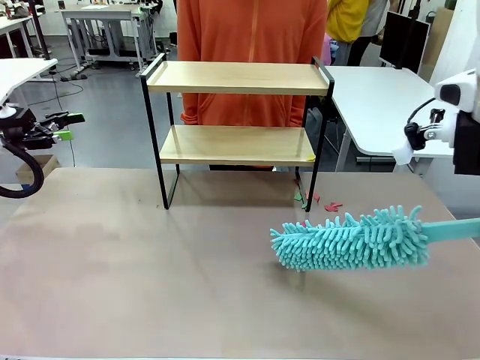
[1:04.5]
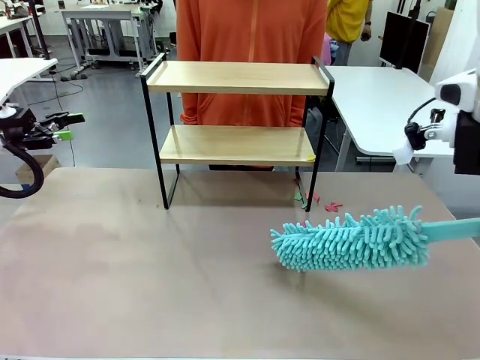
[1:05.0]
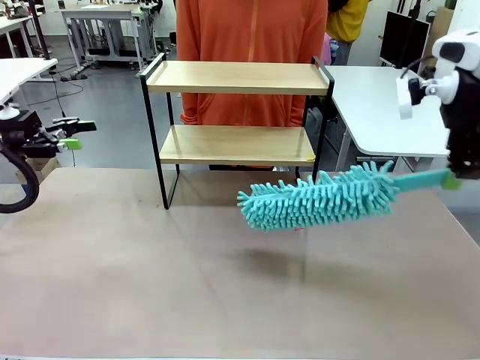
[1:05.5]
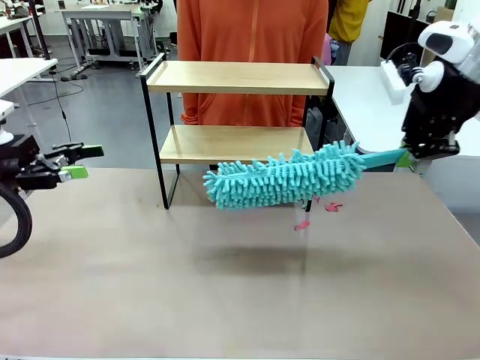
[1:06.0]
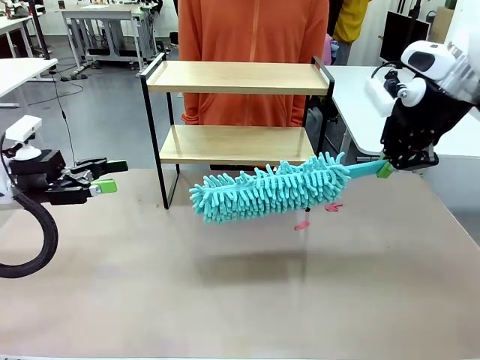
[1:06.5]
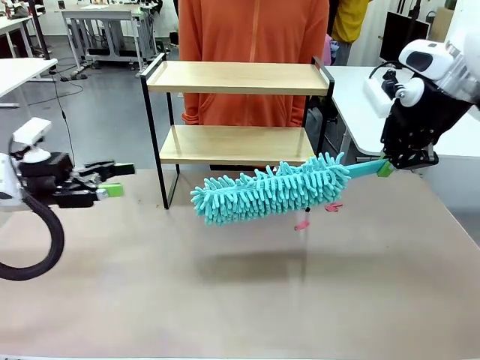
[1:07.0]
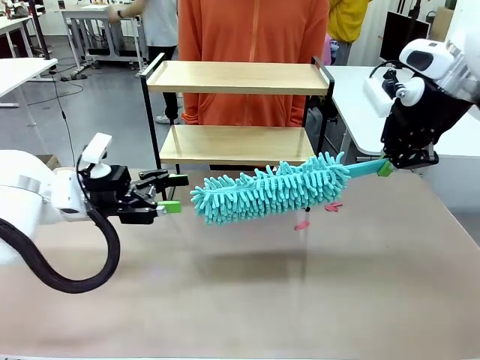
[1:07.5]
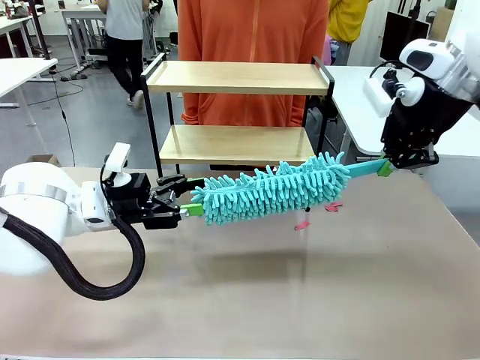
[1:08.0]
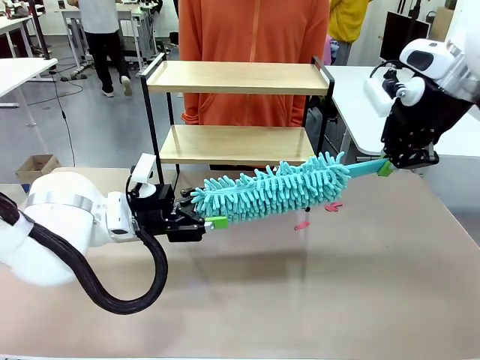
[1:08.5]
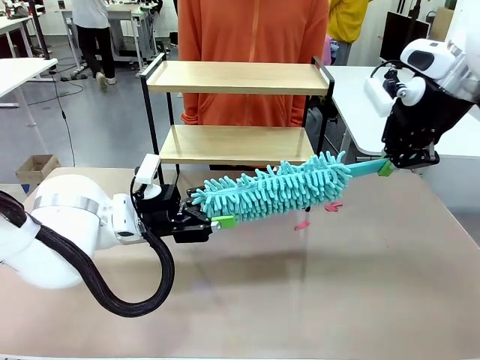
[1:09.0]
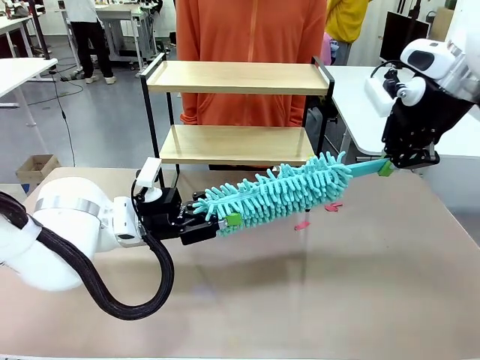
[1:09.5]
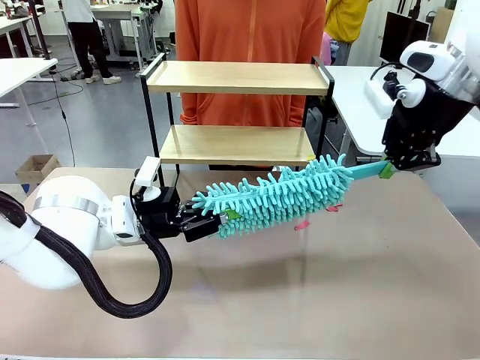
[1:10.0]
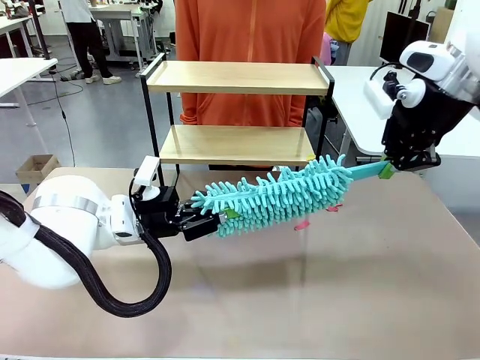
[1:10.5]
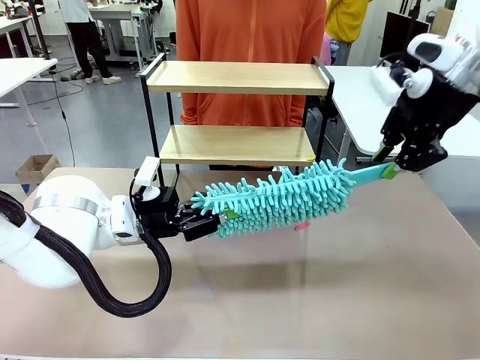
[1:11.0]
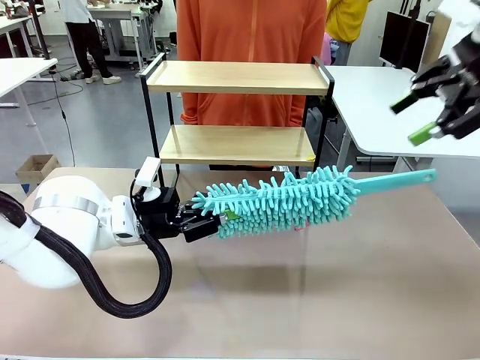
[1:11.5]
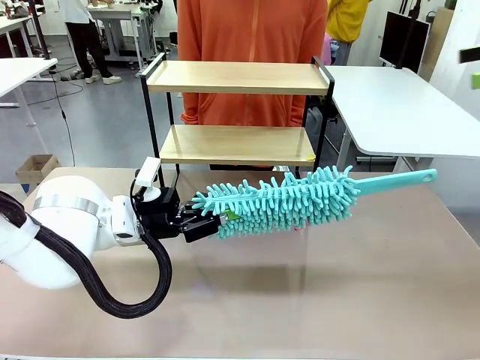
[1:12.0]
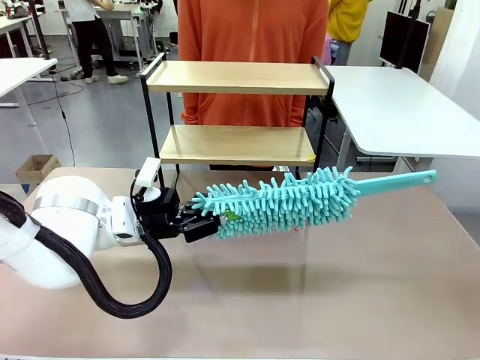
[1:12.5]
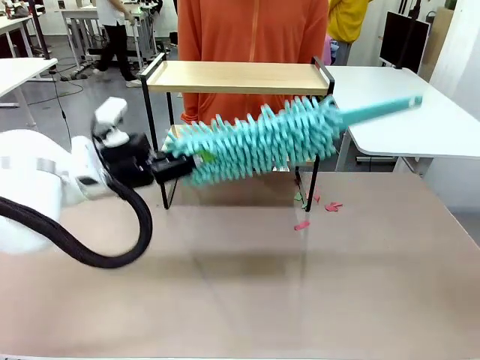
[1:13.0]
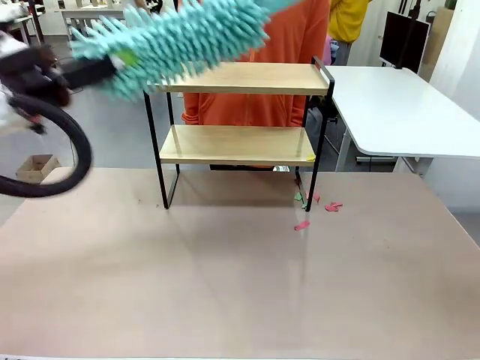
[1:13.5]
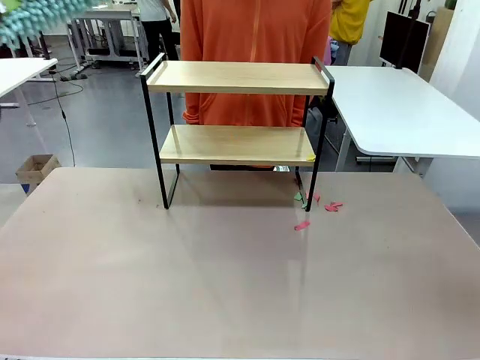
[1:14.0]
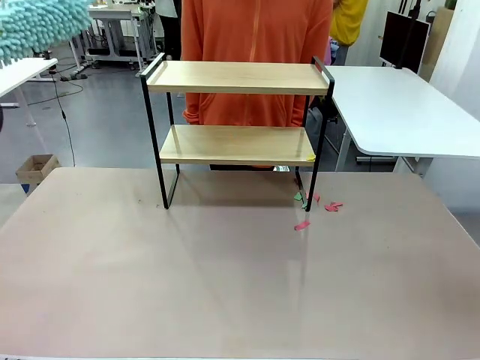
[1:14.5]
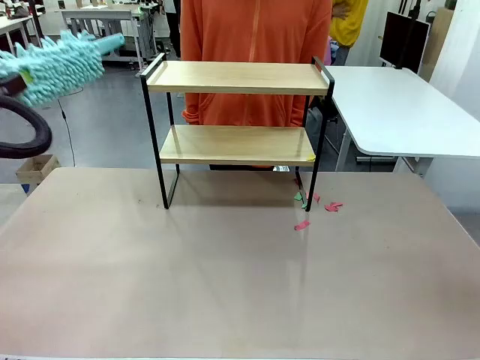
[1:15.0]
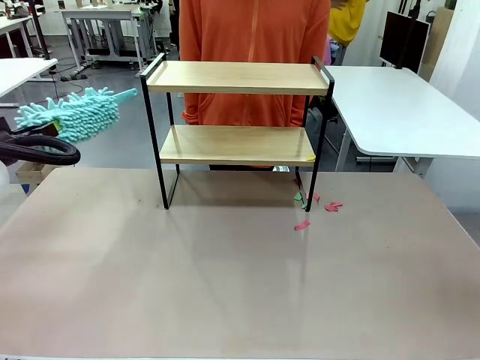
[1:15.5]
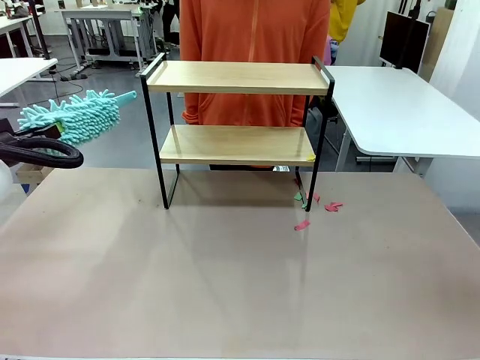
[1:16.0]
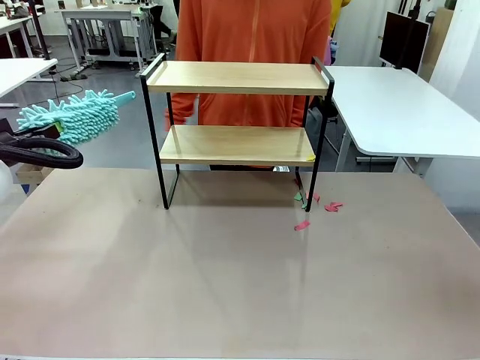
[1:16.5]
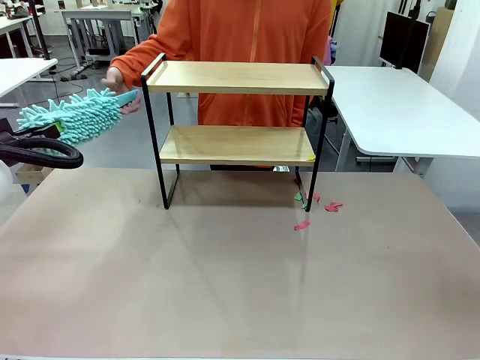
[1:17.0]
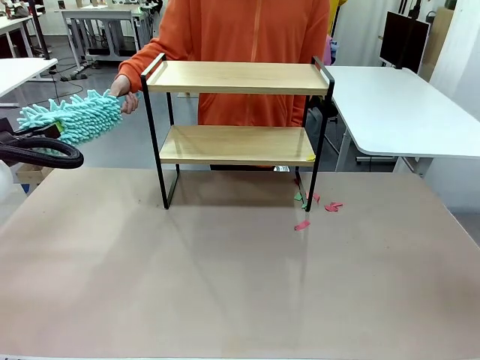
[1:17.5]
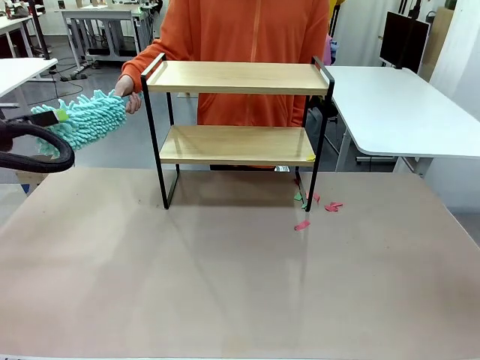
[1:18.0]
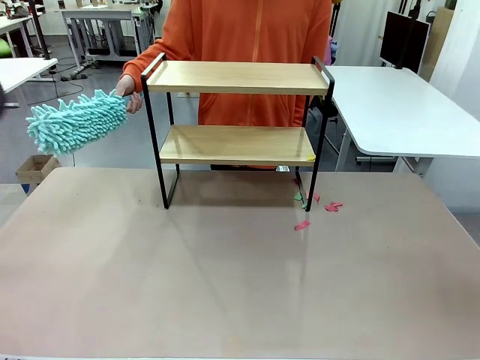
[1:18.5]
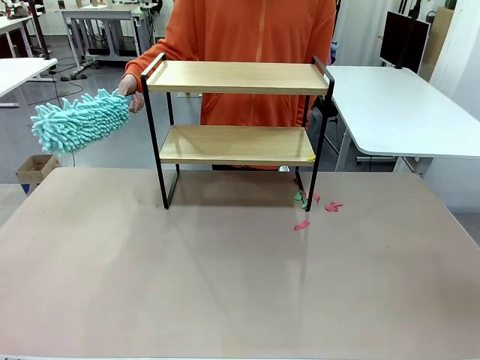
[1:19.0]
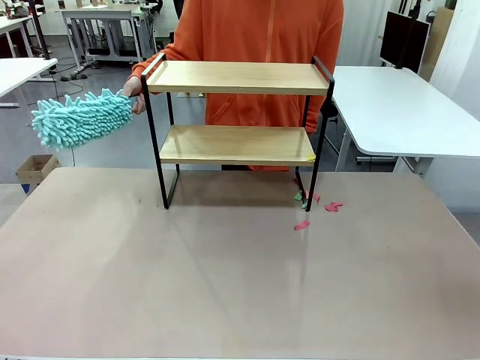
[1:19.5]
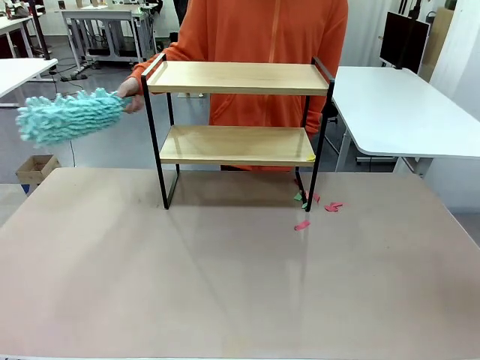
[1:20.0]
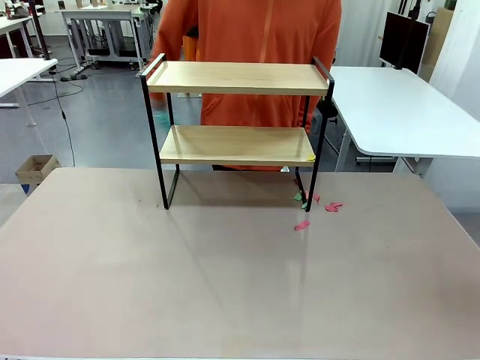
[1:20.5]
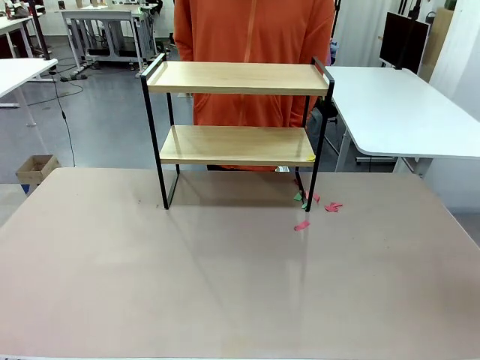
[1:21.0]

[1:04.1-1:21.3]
Task: Clean the shelf.
Robot: Hand the Duster back to the human.
Person: Receive the Duster from the robot.

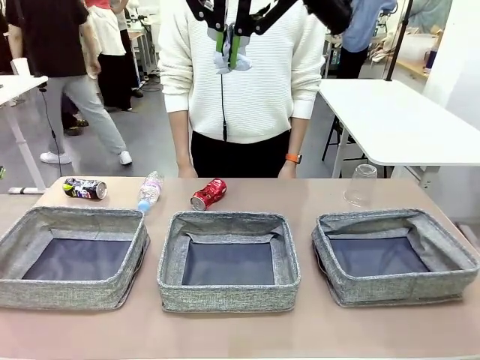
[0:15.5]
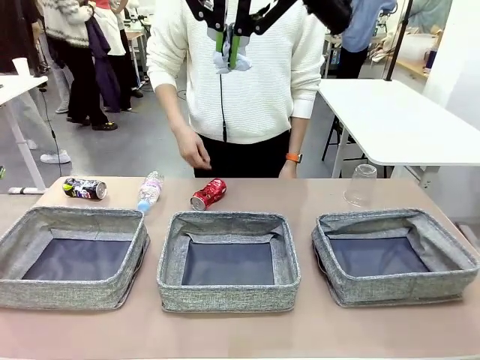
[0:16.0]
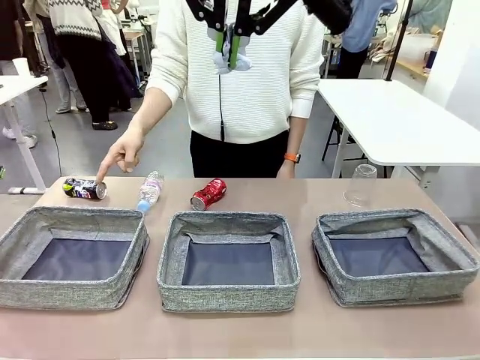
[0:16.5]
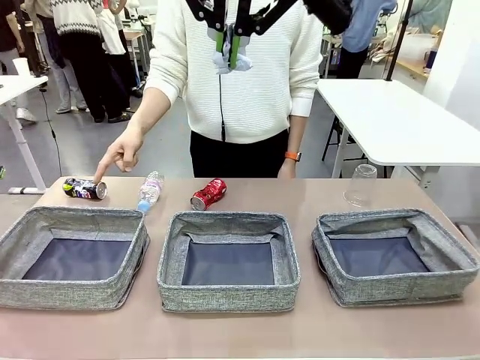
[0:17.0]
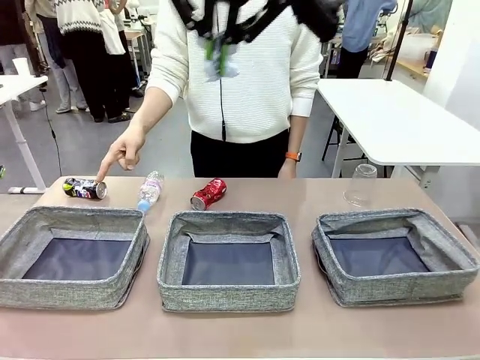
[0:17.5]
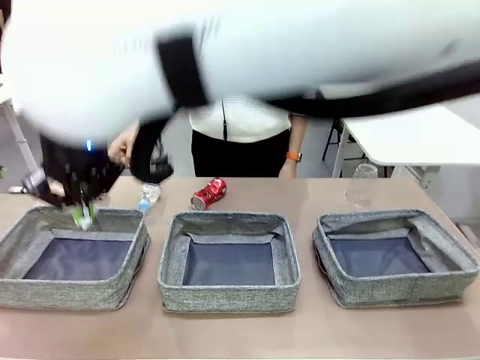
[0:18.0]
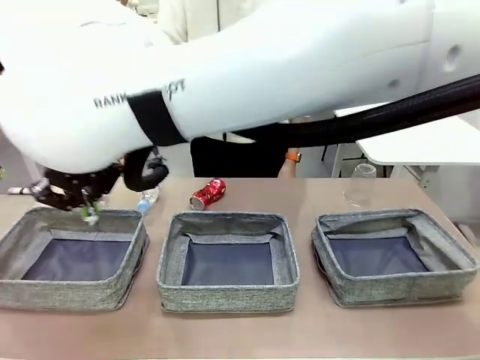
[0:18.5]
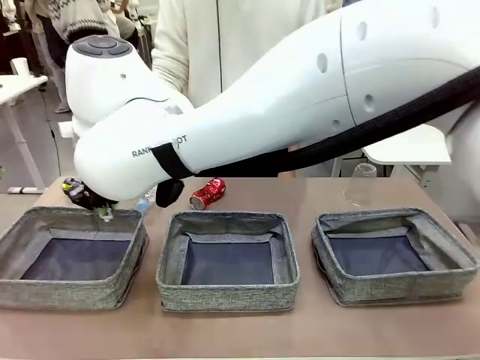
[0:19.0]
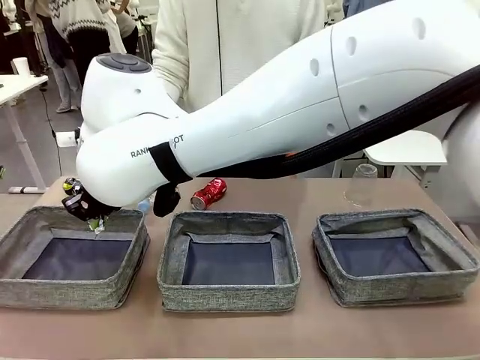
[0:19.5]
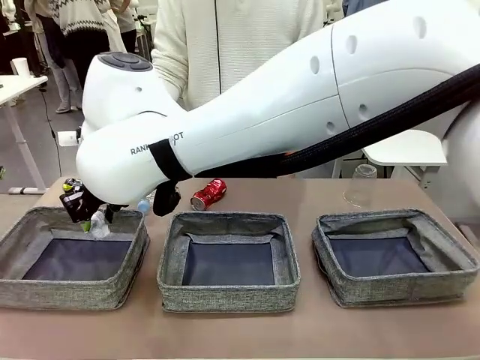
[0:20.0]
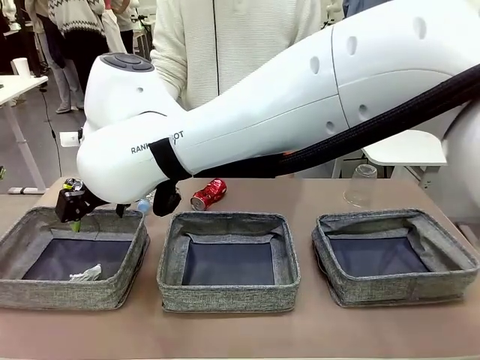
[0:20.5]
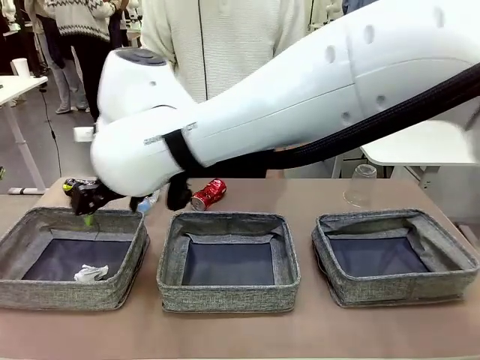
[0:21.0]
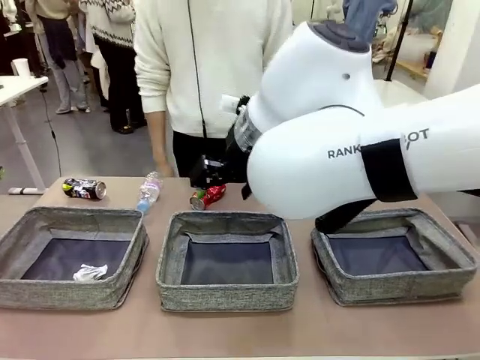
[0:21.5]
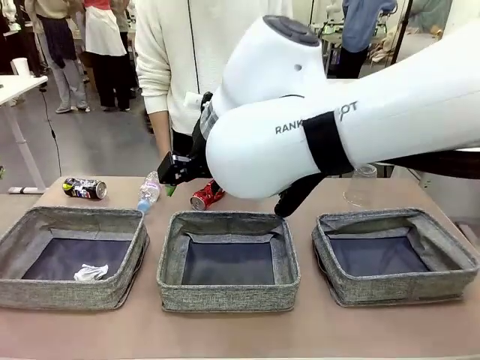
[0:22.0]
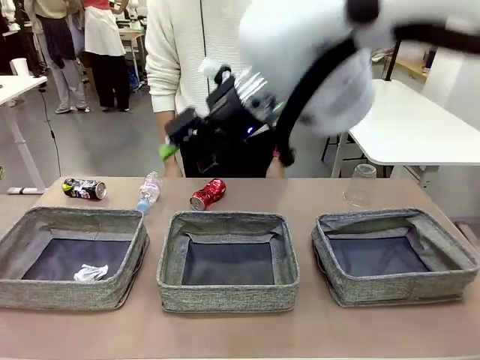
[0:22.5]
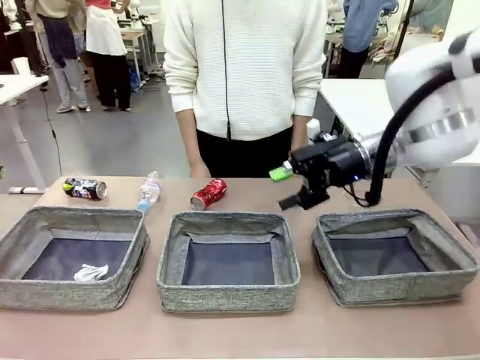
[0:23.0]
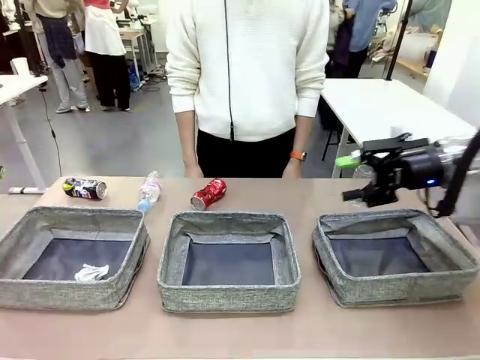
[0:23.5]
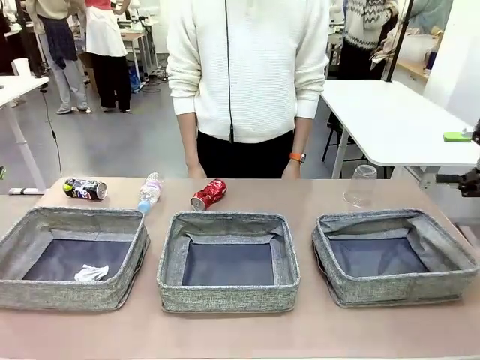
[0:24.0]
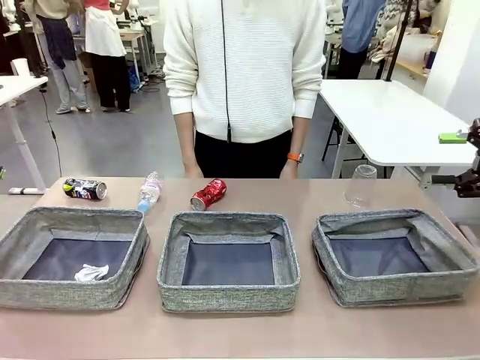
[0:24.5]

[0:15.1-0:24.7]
Task: Sort the waste into the appropriate baskets.
Robot: Place the picked waste into the Fabric basket indicated by the person.
Person: Instructs the robot to place the picked-up trash into the appropriate organizing basket.
